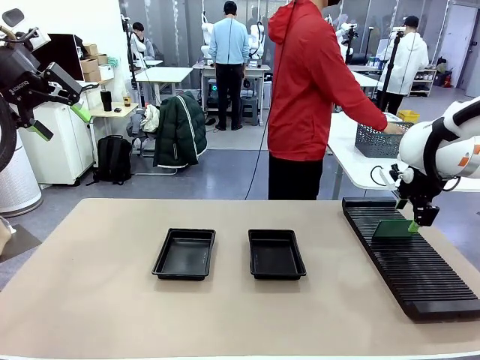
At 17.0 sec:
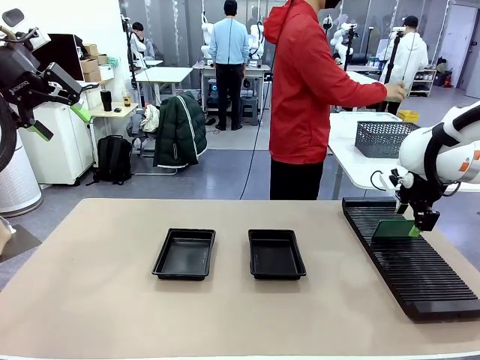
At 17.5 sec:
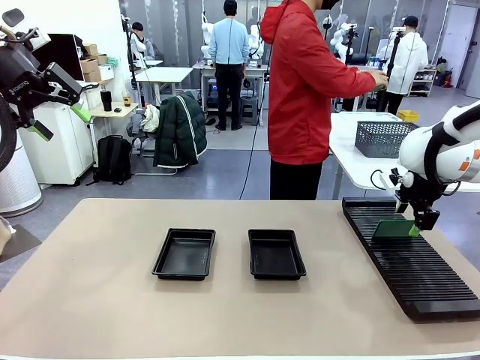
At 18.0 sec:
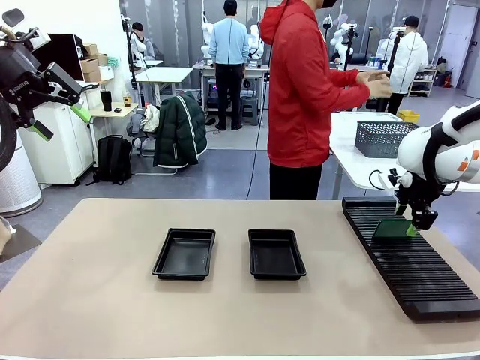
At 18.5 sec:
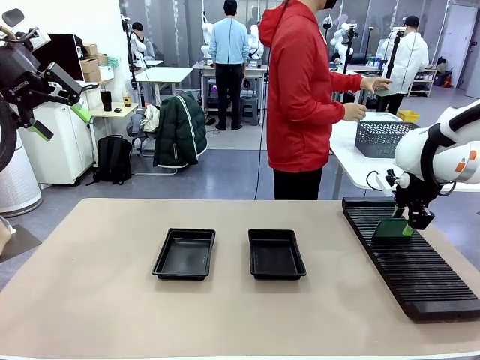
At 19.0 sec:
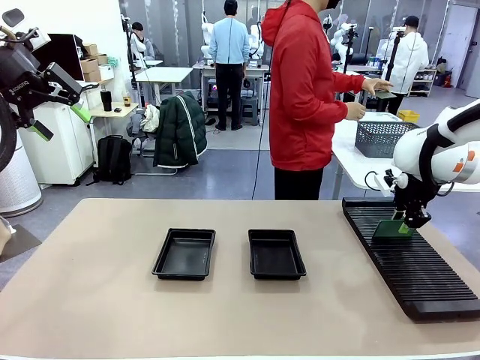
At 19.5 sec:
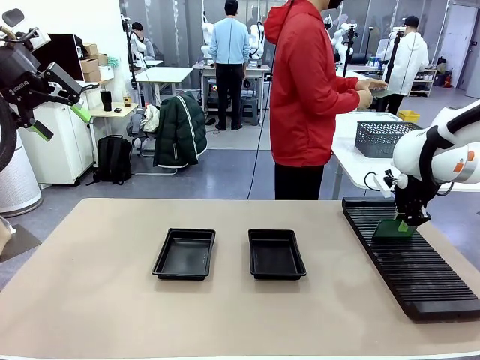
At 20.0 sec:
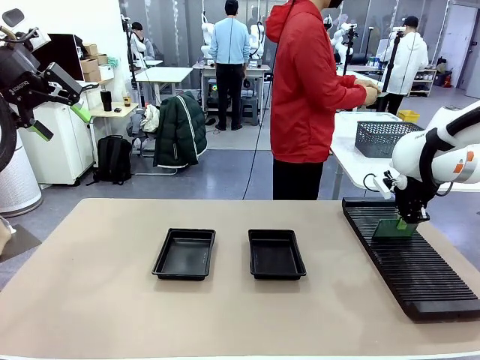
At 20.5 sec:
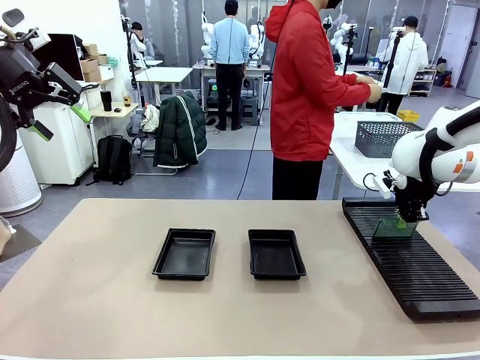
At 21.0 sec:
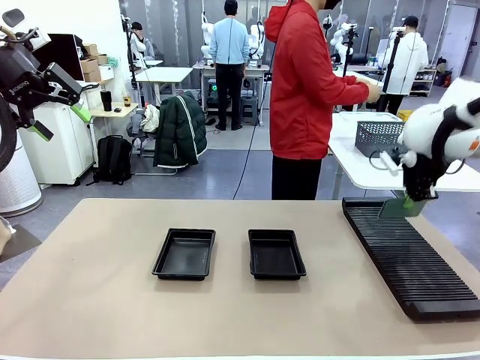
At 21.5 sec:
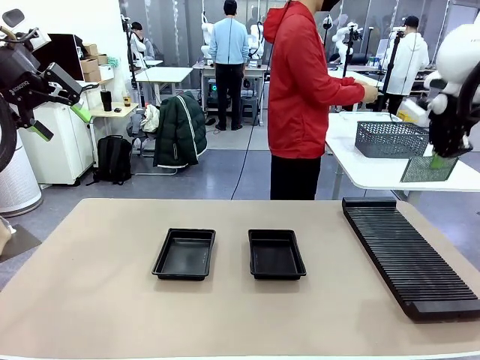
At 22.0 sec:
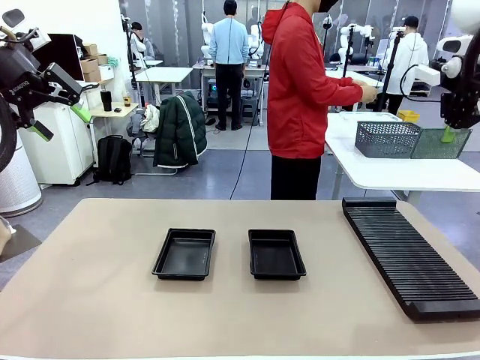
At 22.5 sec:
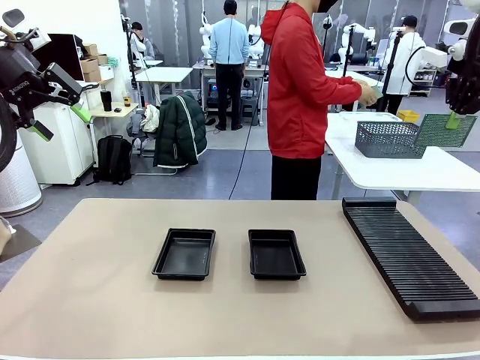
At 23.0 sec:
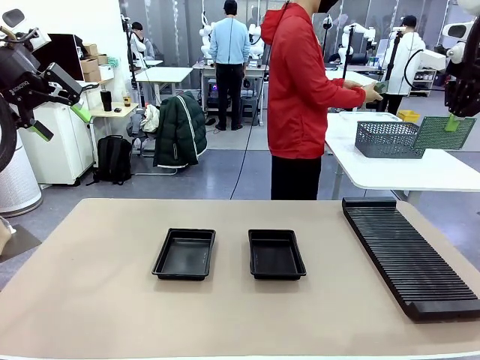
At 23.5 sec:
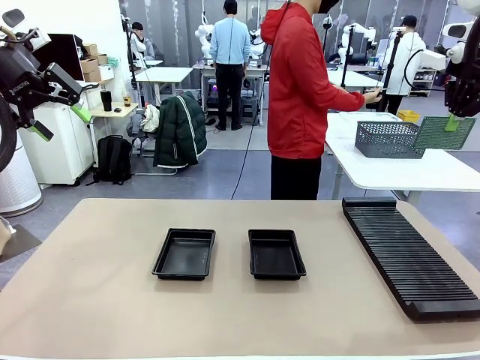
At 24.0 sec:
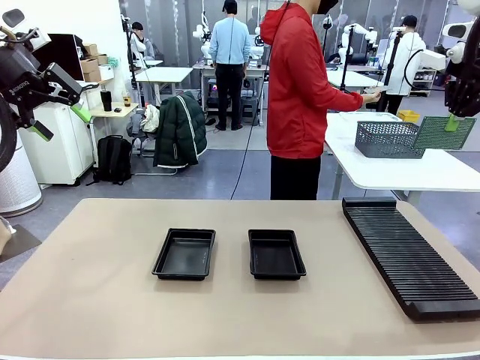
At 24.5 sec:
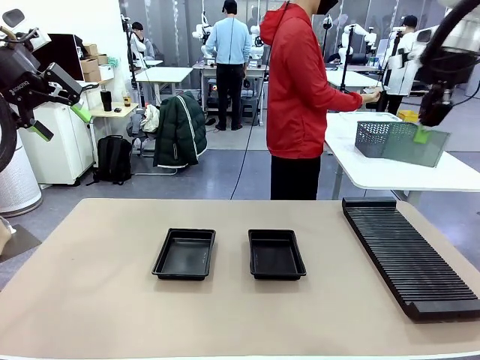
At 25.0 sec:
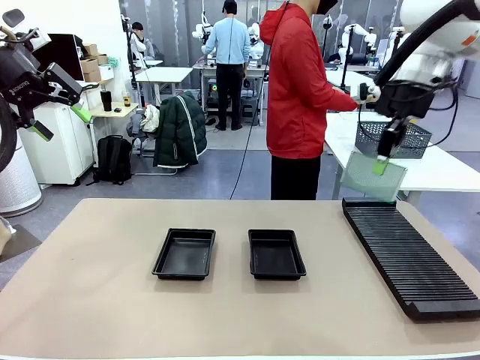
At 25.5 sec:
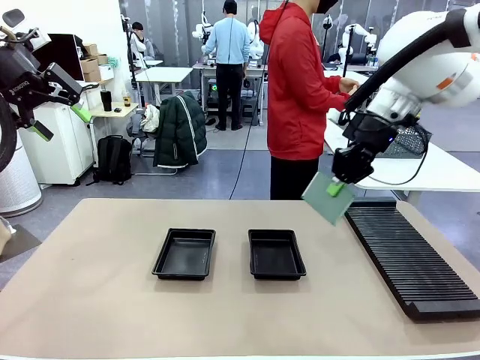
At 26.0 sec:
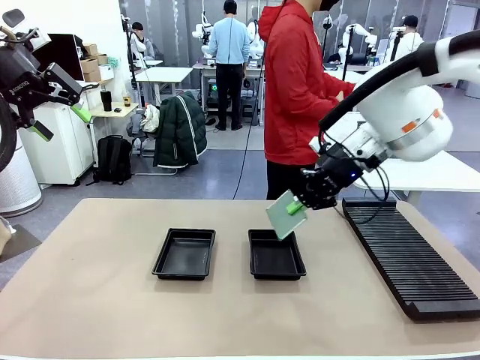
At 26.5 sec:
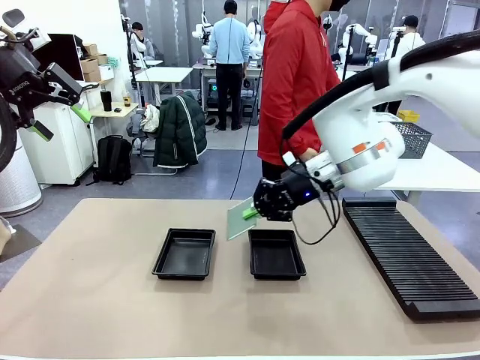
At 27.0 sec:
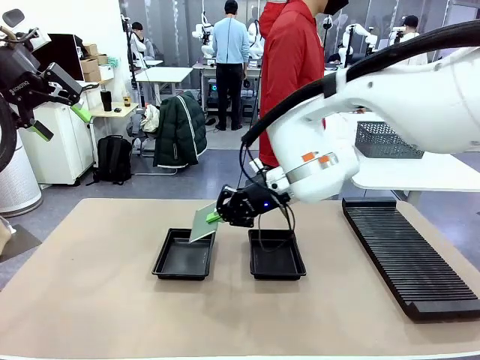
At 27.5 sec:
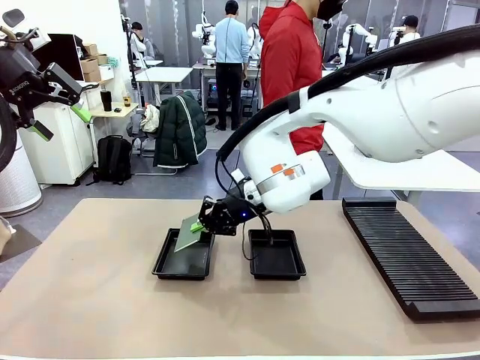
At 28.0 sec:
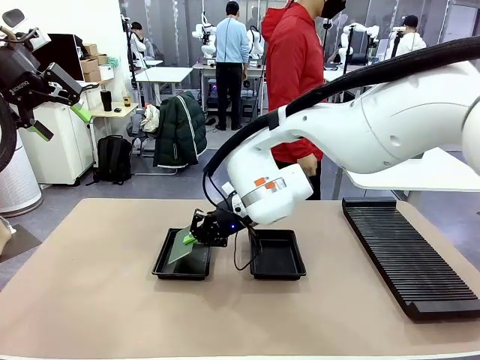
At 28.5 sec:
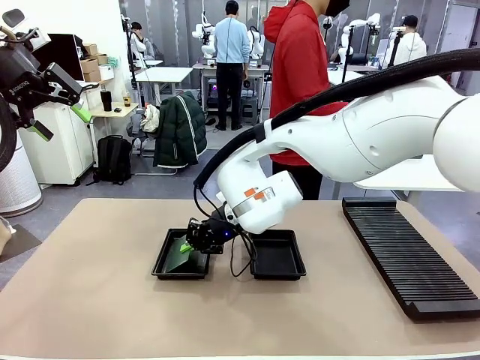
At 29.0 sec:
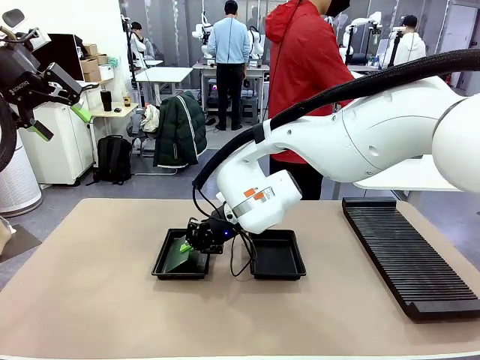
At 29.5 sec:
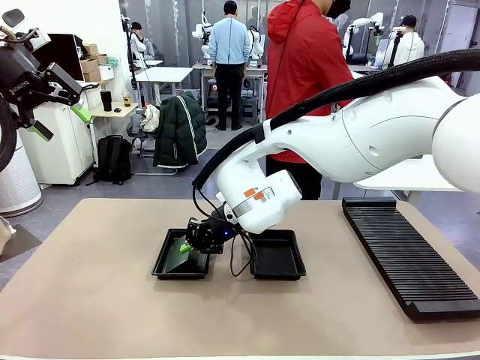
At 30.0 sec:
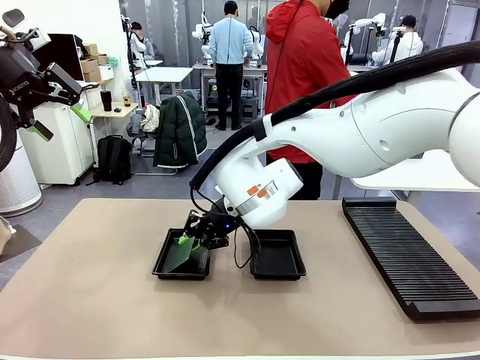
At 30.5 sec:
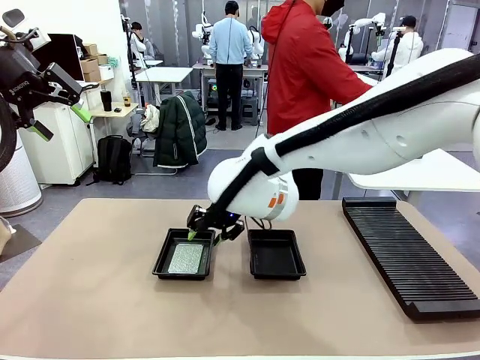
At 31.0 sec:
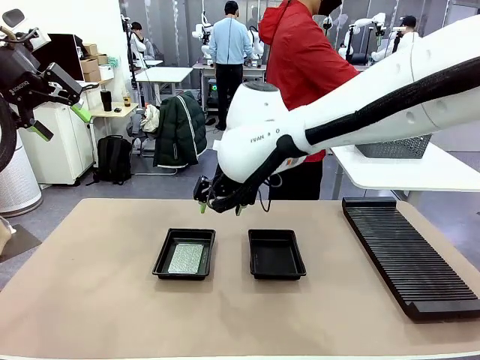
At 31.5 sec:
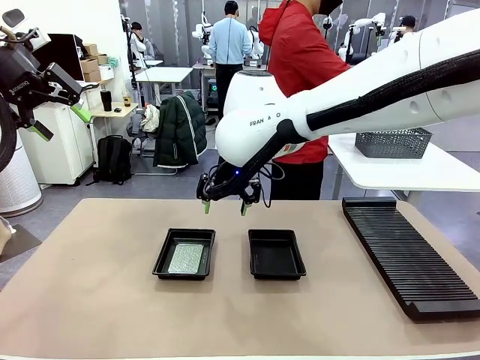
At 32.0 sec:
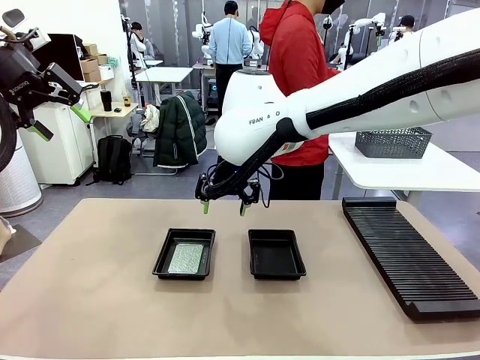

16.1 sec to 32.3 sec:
Task: Inspect and transfer BCBs to ESD trays.
Robot: Pick up the Blank PCB from the PCB Rack and place it in the left ESD tray.

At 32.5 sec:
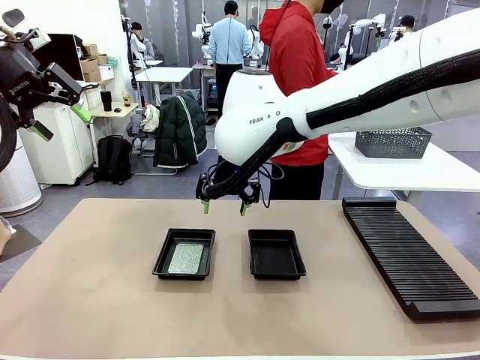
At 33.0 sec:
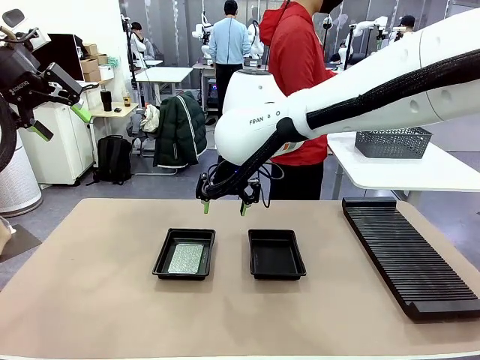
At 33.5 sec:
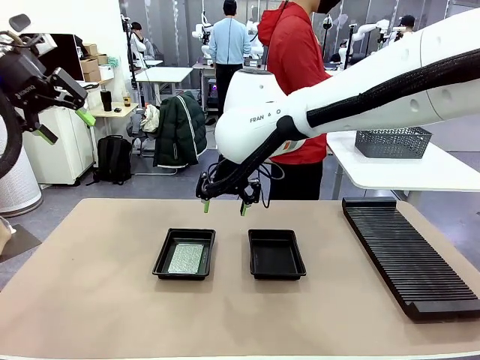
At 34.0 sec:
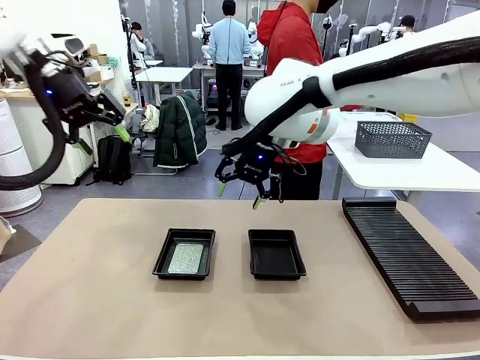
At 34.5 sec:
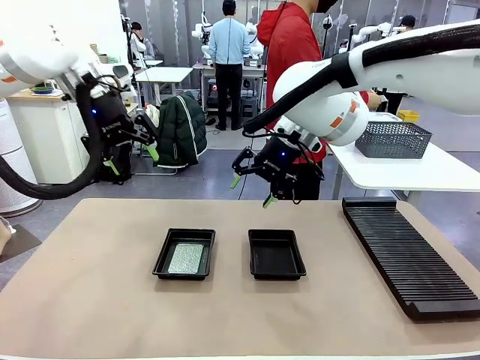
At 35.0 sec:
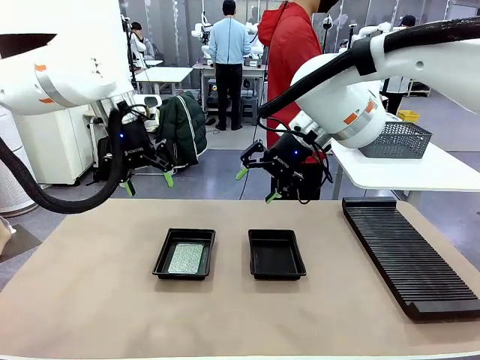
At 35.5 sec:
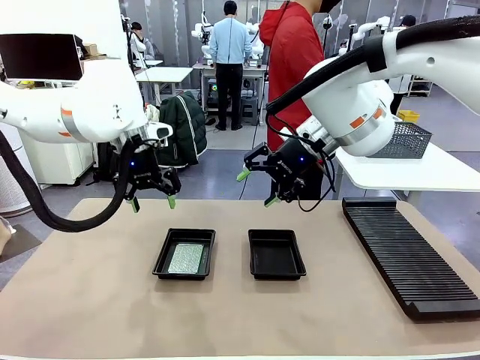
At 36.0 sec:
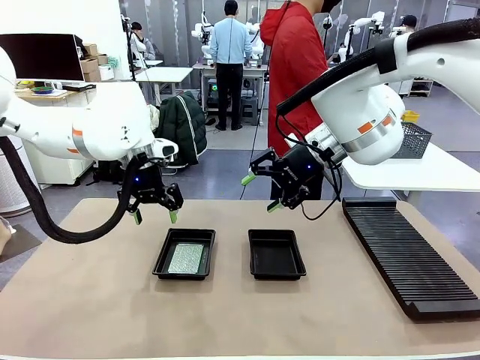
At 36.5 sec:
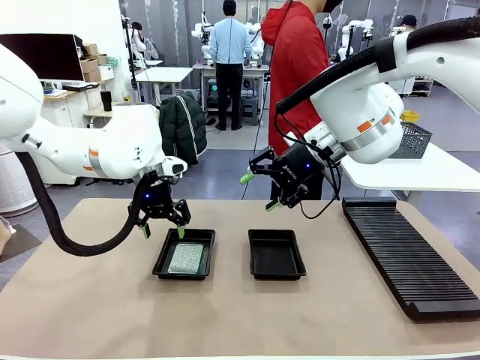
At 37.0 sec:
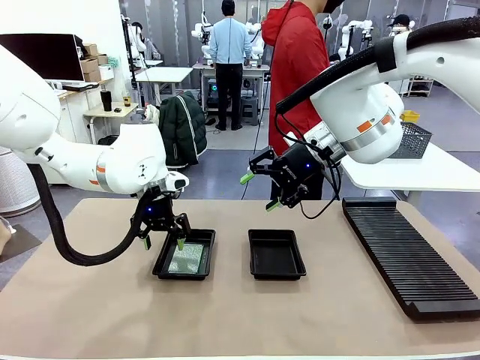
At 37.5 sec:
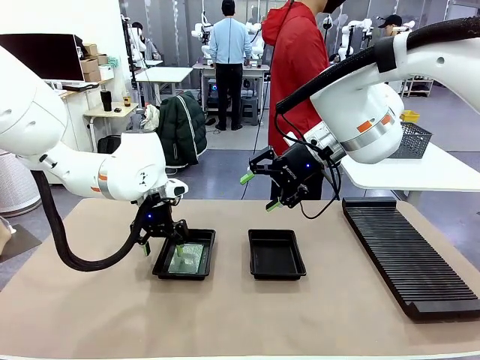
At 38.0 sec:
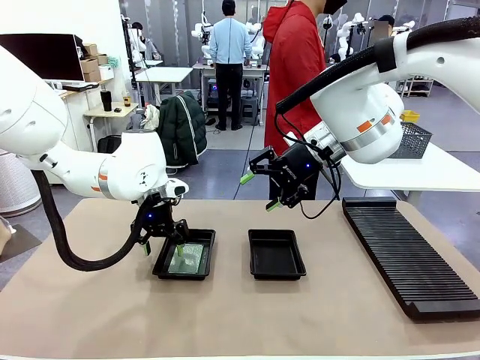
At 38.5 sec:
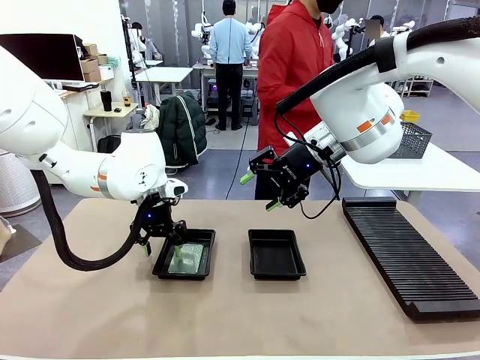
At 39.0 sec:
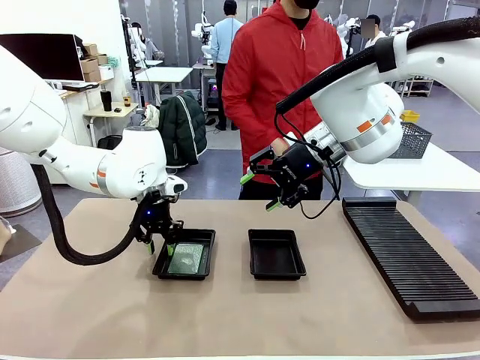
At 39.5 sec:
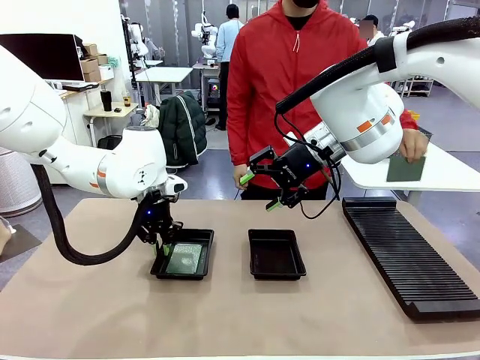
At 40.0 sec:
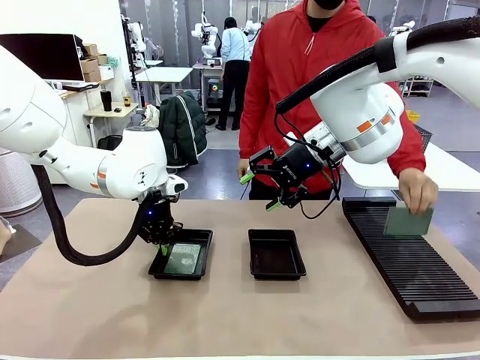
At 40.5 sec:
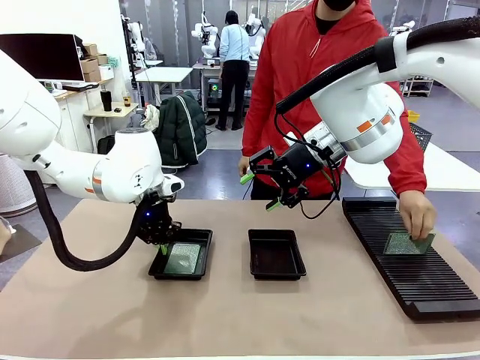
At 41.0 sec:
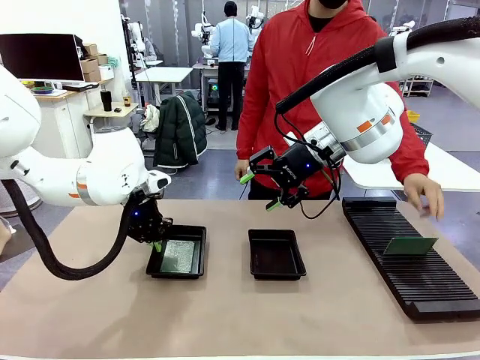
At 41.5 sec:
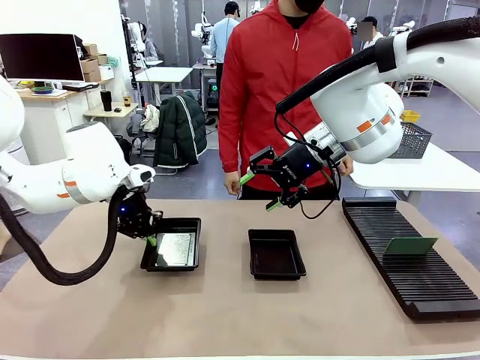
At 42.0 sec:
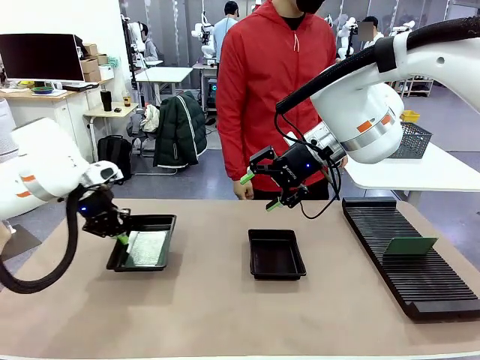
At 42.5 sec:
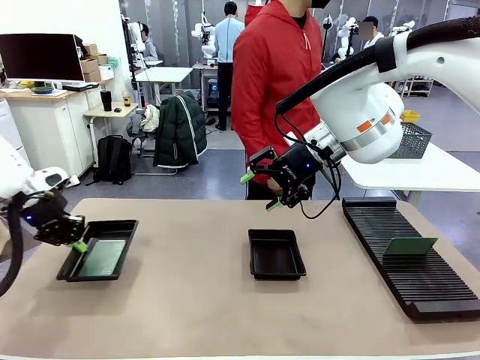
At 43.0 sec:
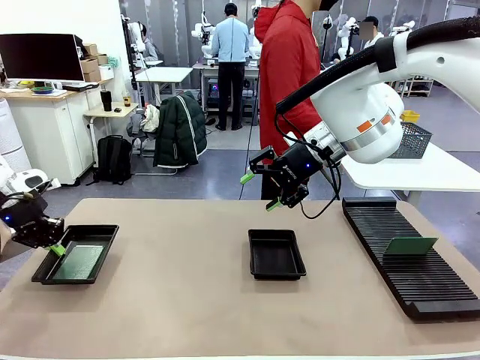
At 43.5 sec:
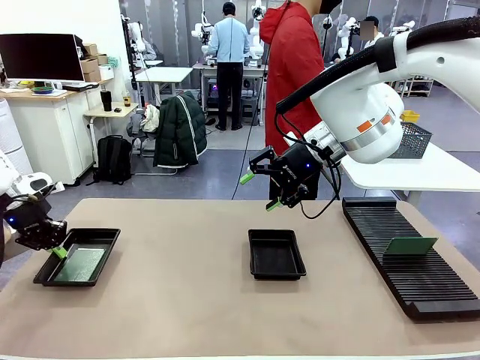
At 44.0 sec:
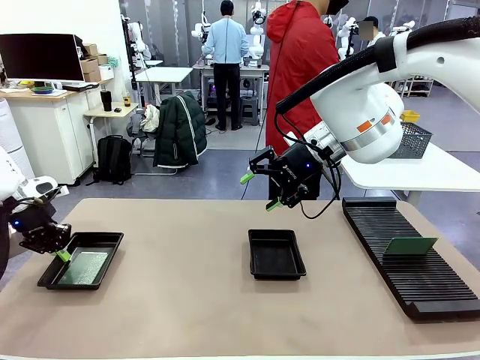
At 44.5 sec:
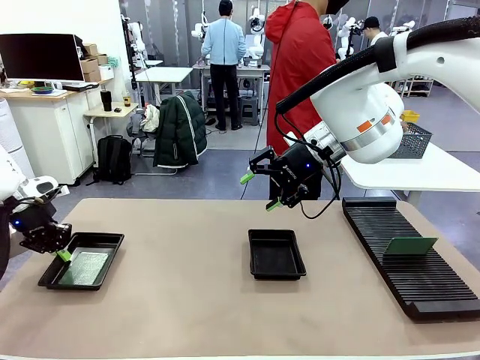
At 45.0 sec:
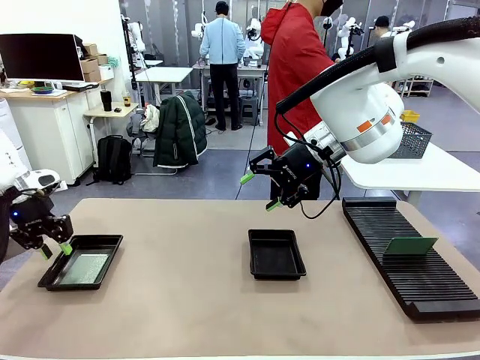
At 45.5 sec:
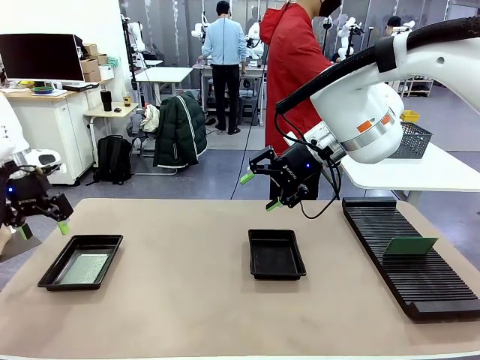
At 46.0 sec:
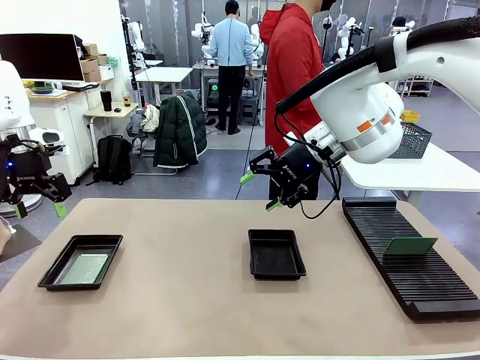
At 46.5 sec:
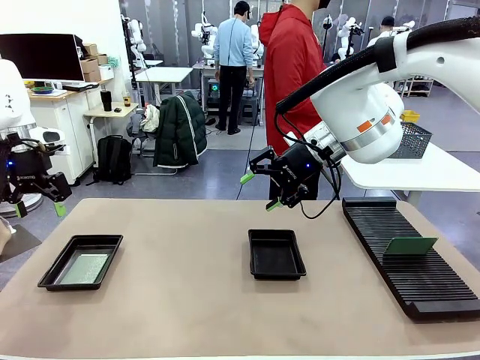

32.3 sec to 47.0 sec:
Robot: Pick up the ESD tray and place it on the left side of the table.
